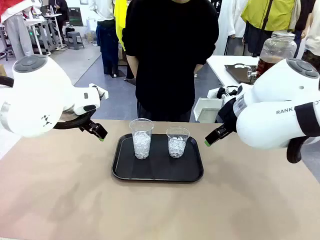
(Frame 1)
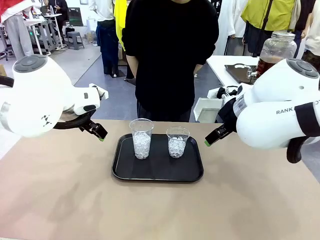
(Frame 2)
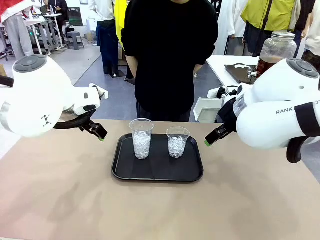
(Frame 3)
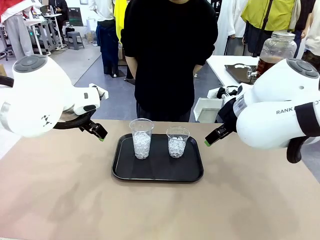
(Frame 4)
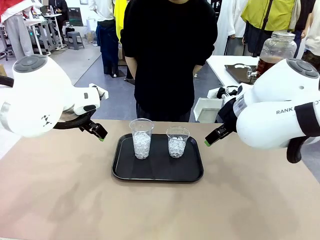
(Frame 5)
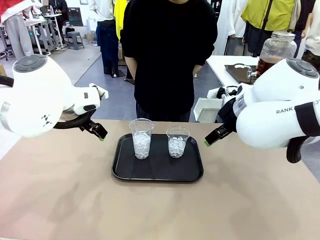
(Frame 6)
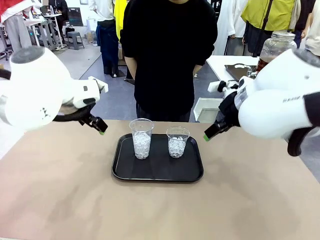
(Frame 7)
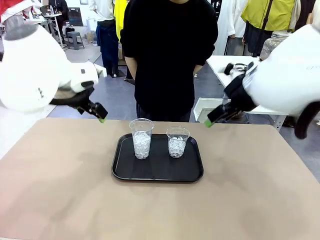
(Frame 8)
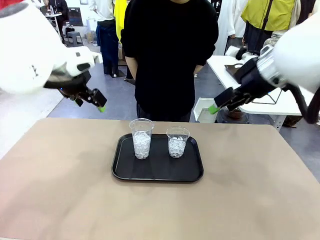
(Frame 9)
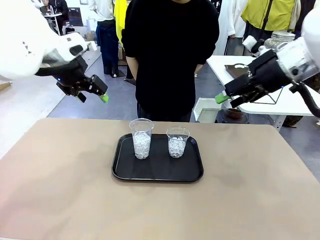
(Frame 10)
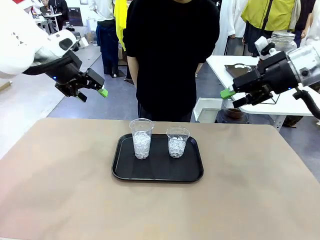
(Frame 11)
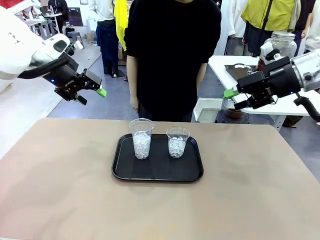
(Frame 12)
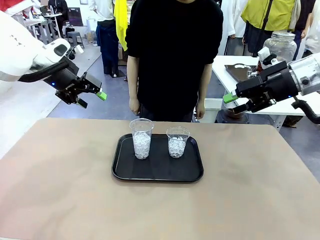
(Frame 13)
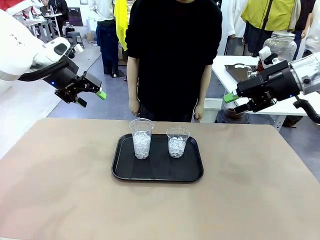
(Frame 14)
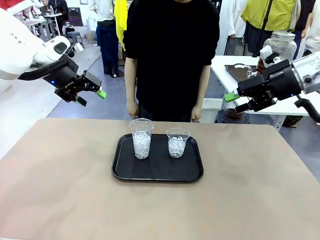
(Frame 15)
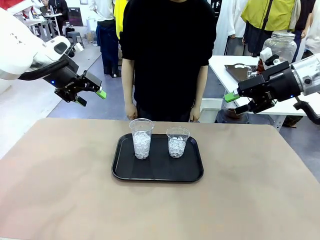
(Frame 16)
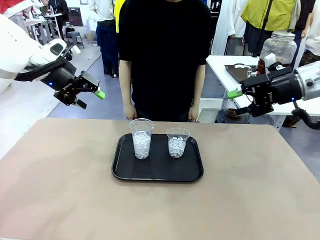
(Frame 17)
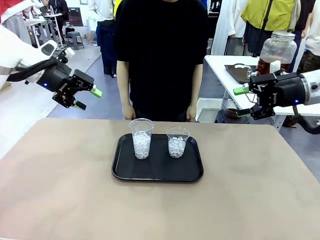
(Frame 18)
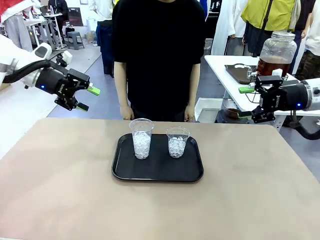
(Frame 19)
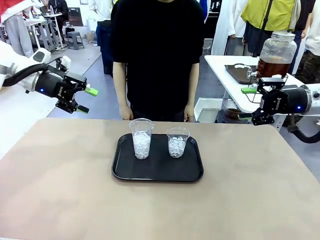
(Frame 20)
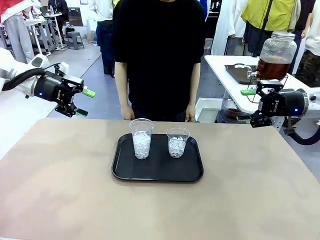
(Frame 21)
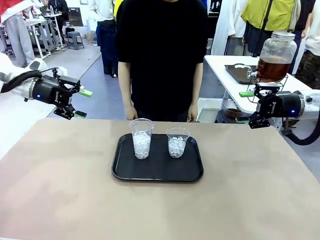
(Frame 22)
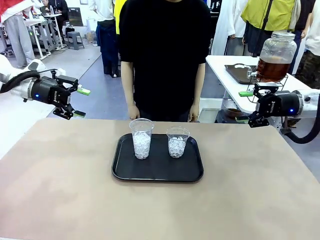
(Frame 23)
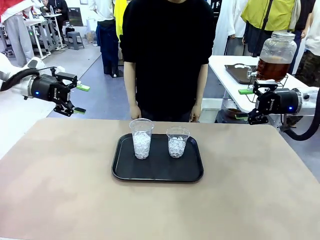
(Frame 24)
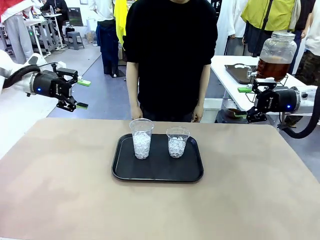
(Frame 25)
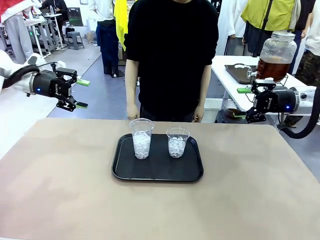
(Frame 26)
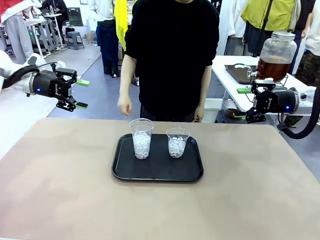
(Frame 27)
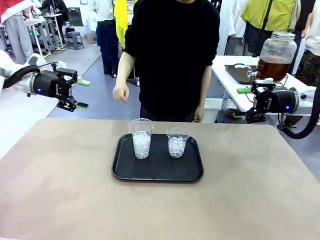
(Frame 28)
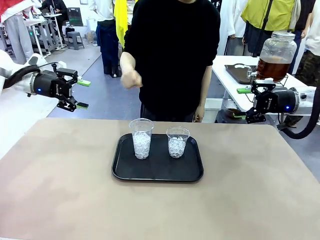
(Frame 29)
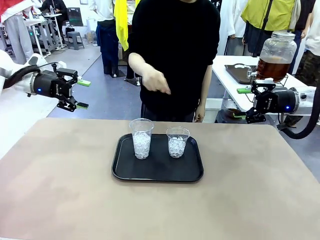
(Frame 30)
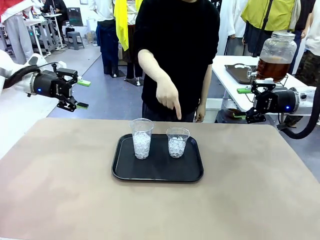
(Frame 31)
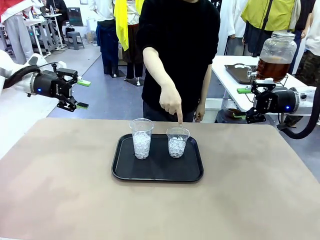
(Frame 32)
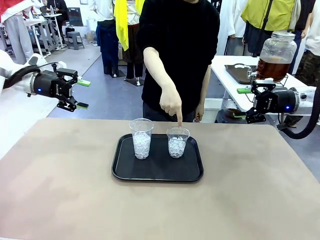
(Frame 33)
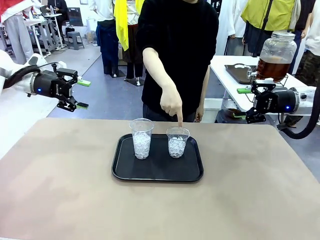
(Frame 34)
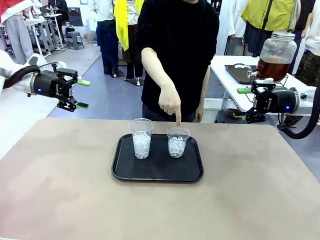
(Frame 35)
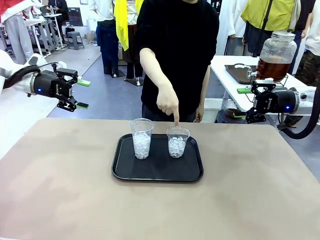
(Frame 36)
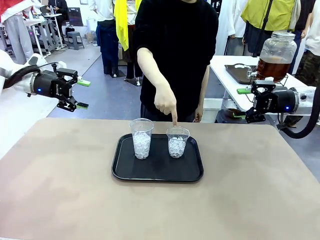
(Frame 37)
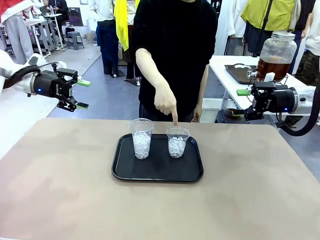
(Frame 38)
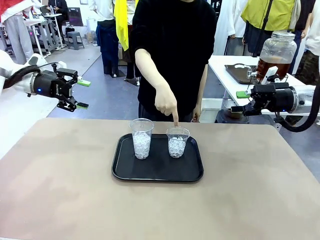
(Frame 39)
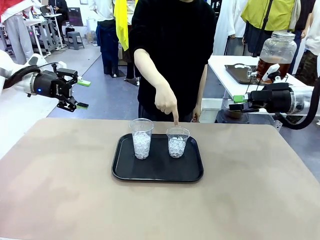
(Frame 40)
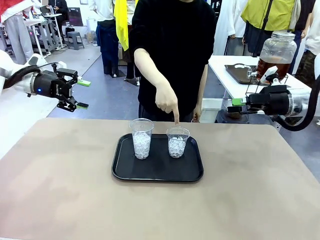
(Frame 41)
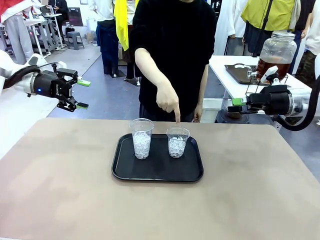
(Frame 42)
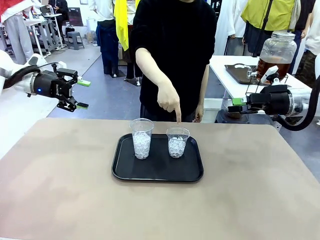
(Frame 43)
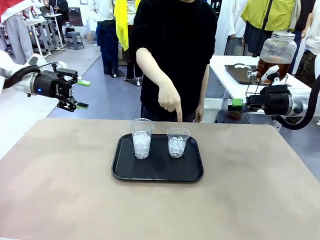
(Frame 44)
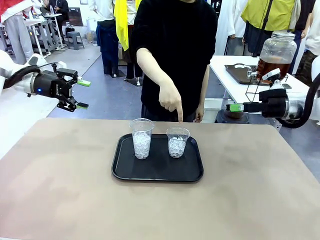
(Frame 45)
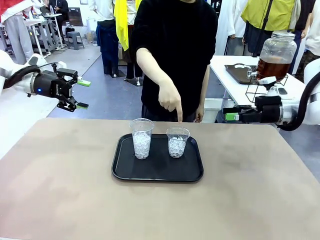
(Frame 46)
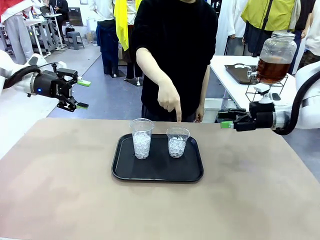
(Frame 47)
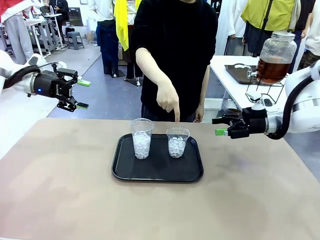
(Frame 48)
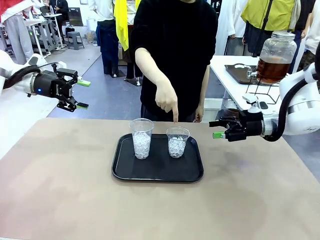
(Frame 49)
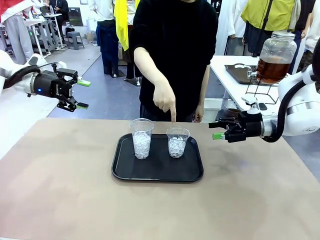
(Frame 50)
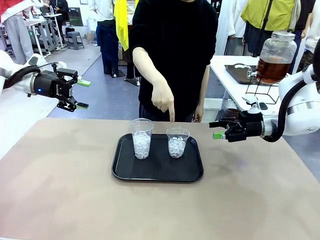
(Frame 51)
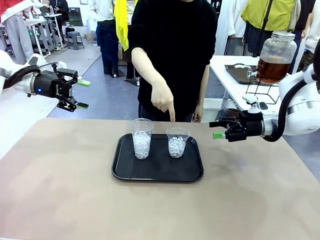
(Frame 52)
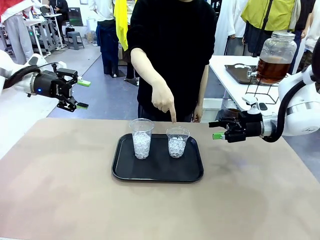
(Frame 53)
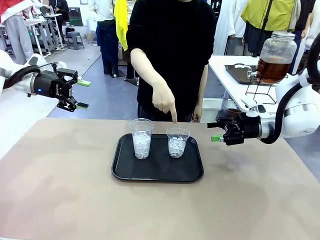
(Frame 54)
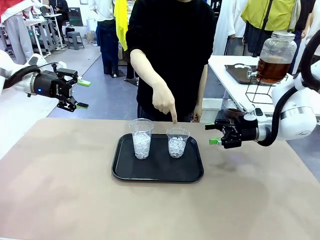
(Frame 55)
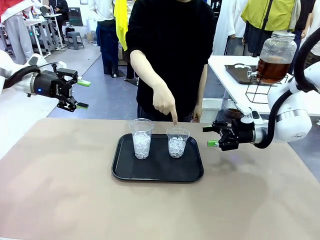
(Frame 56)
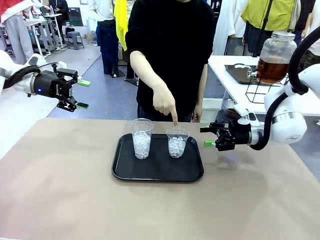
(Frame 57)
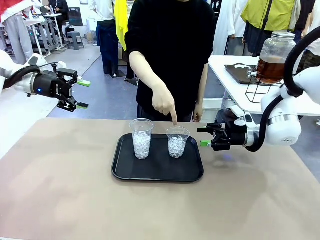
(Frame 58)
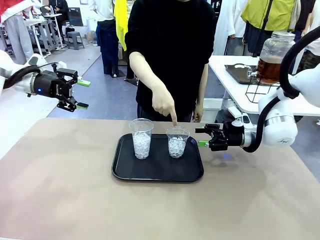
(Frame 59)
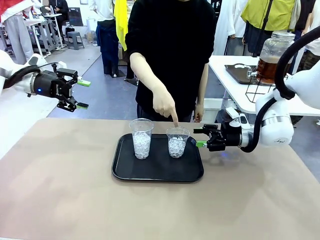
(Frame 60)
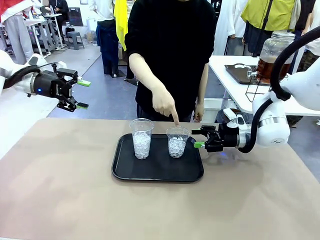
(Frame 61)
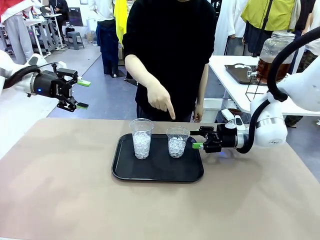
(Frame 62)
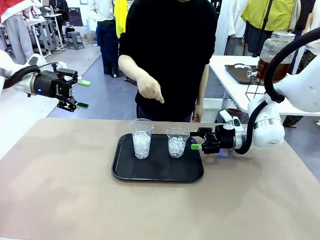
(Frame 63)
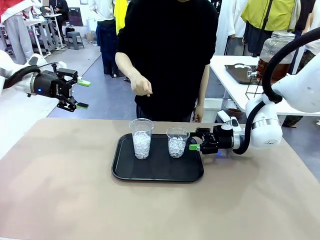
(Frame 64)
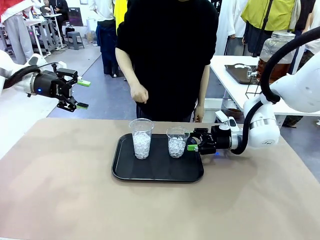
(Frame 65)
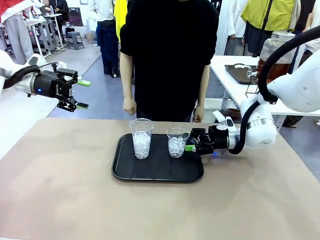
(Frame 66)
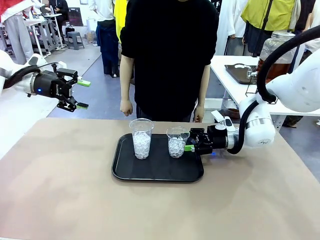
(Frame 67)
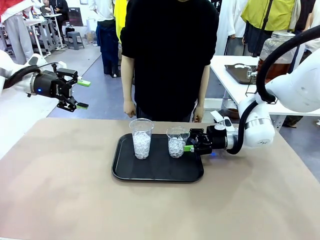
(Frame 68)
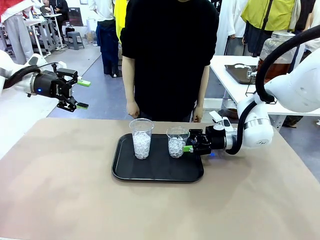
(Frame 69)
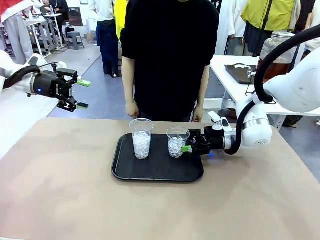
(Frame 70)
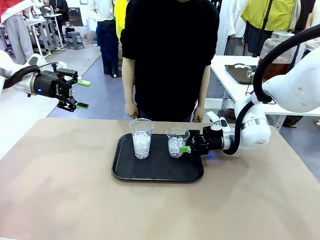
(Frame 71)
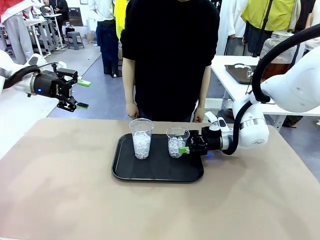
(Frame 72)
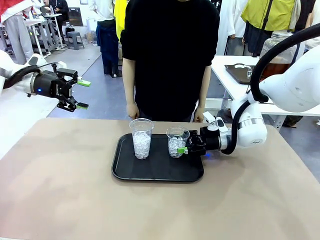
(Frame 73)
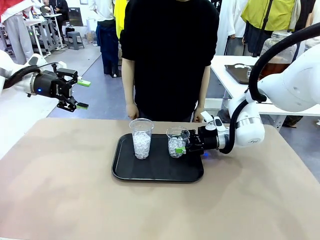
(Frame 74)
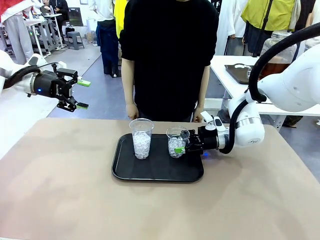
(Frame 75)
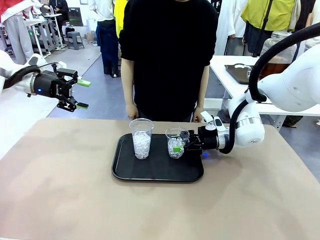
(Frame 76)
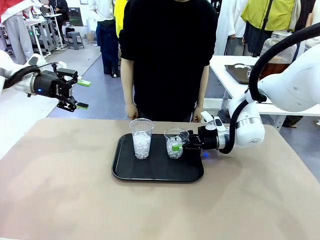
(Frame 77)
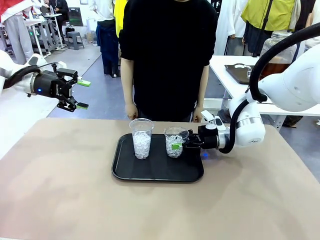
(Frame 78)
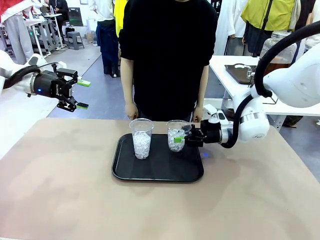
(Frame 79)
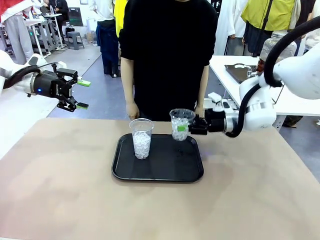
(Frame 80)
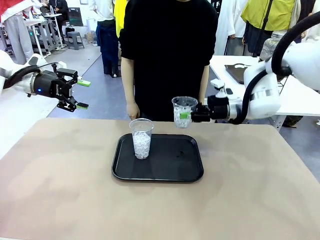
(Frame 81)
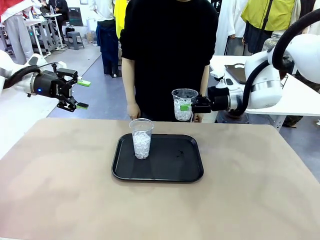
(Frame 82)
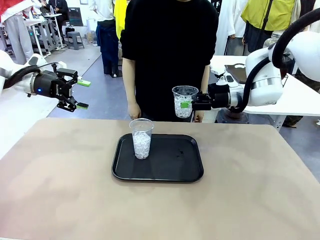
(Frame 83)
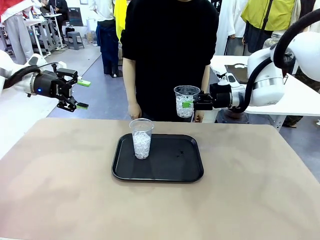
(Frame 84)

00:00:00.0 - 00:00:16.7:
Task: Pour the drink into the iced cup.
Robot: Pick up the iced cup indicated by the human and present it to them.
Person: Point to one of the two ice cups. Pick up the cup offered by the robot.

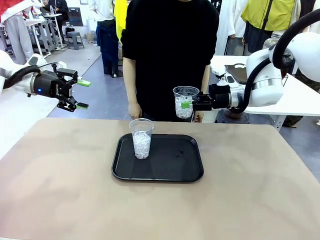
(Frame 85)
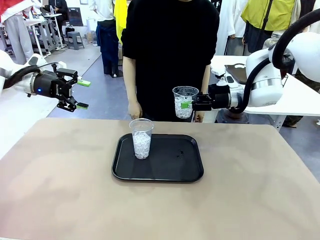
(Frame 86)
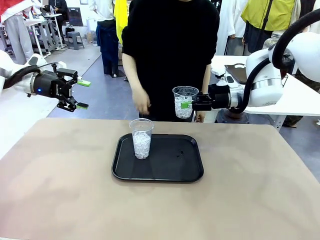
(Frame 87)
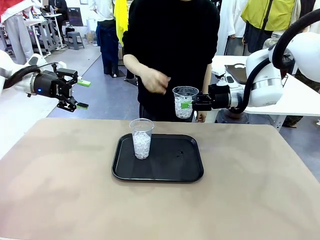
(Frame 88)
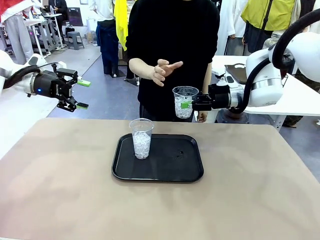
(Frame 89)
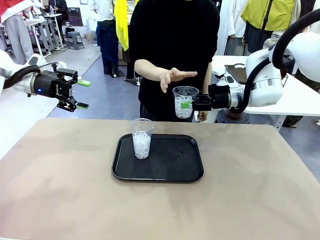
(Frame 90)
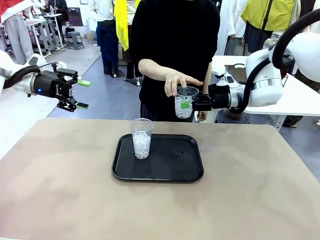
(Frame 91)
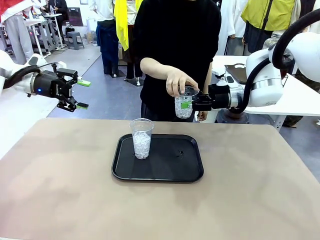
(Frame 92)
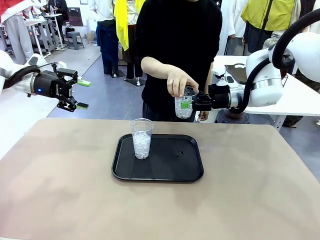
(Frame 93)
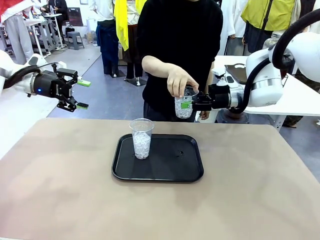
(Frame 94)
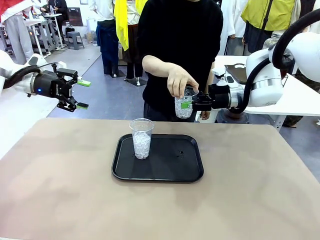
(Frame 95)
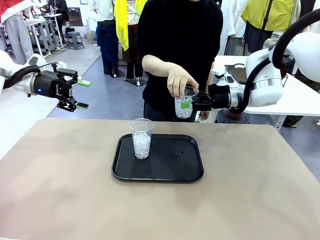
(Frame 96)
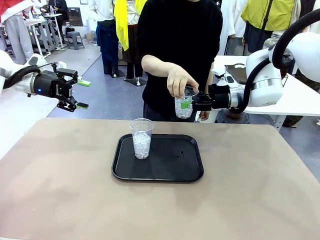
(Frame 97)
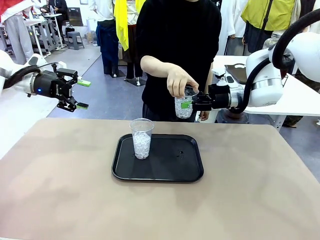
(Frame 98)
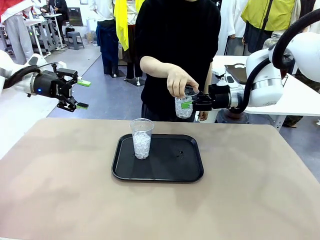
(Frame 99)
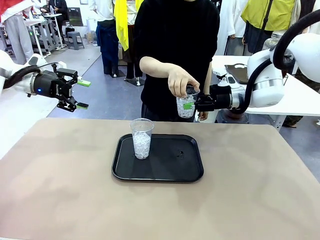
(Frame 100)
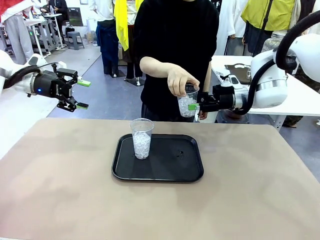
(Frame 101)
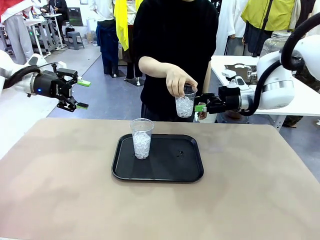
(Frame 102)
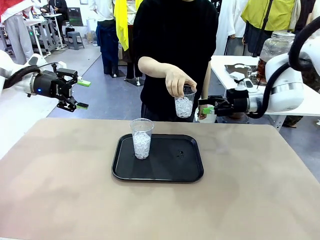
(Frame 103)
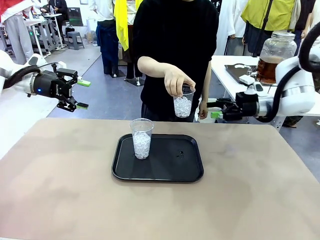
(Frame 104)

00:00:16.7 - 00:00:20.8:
Robot: Open the gripper to release the iced cup you were holding.
